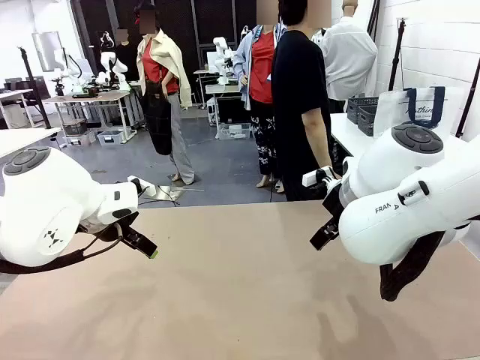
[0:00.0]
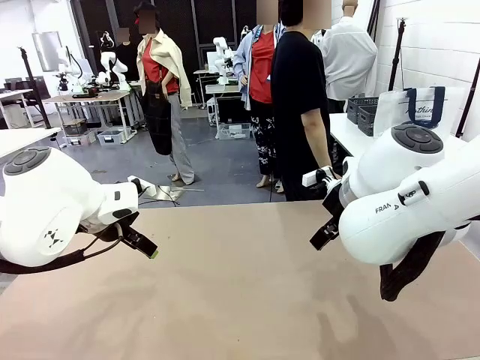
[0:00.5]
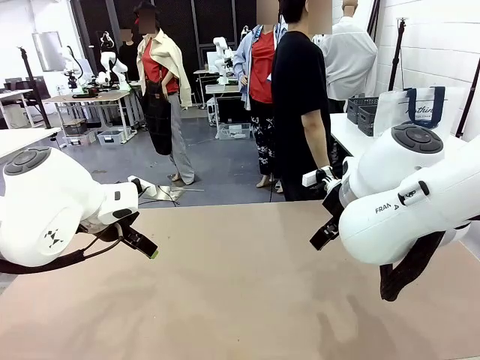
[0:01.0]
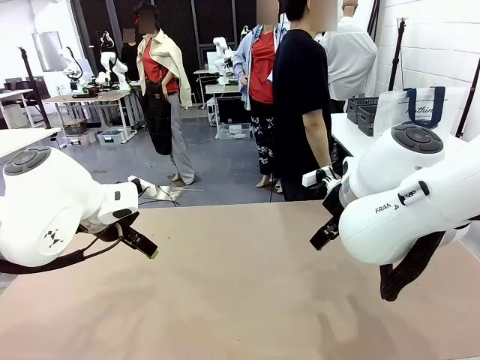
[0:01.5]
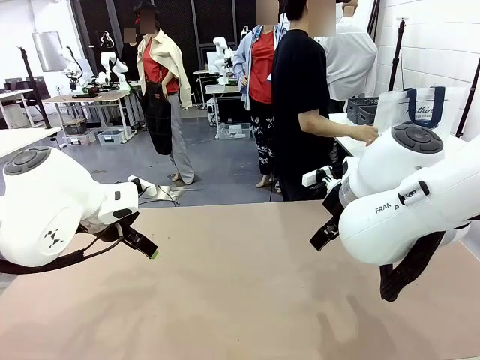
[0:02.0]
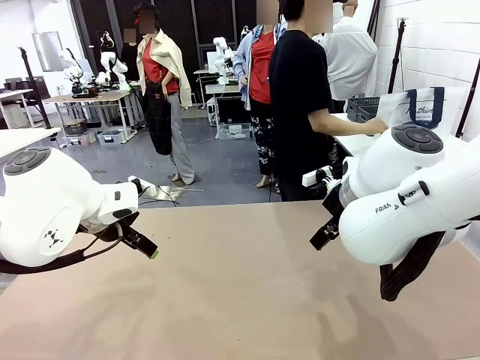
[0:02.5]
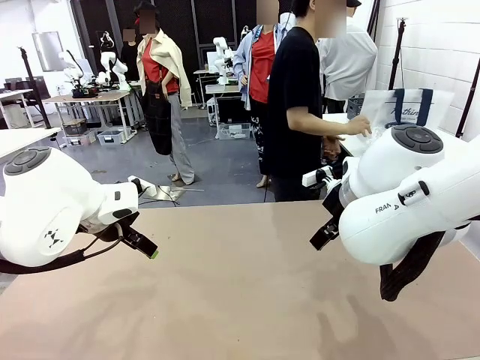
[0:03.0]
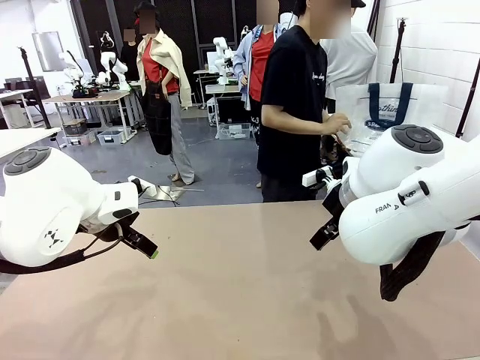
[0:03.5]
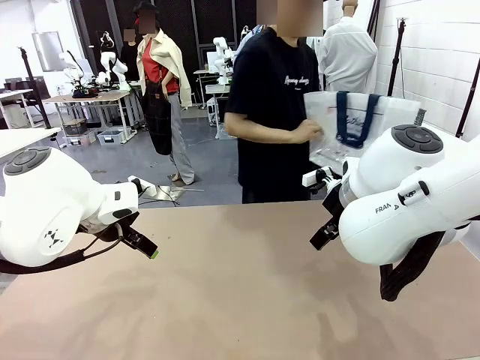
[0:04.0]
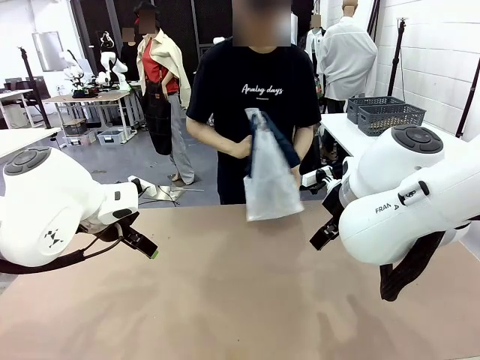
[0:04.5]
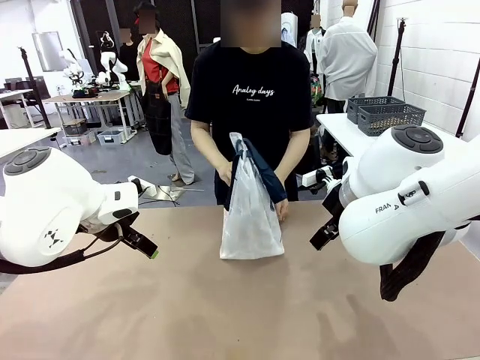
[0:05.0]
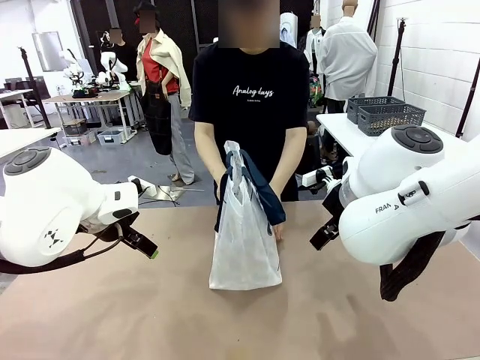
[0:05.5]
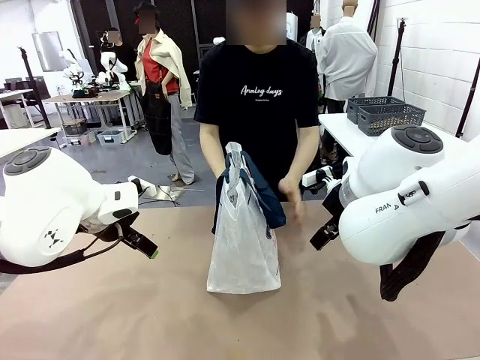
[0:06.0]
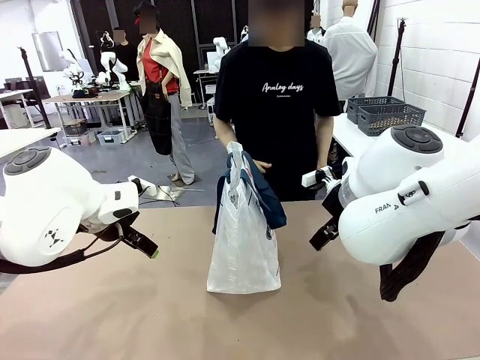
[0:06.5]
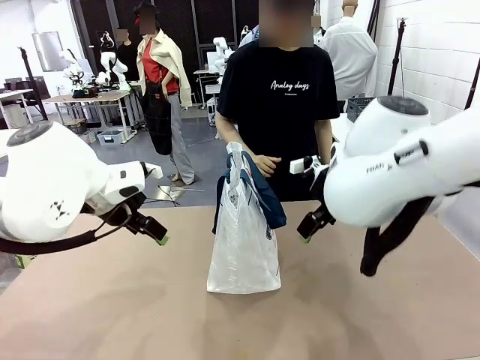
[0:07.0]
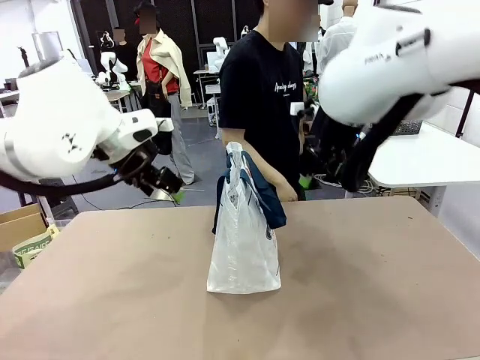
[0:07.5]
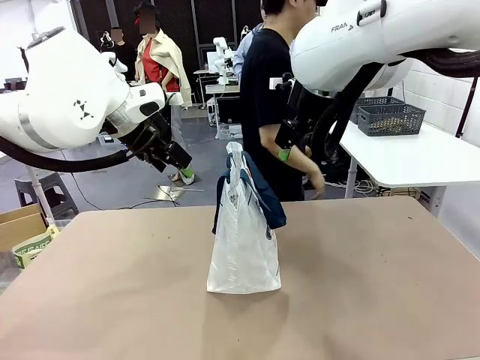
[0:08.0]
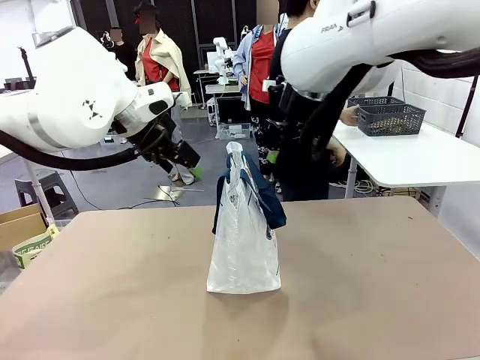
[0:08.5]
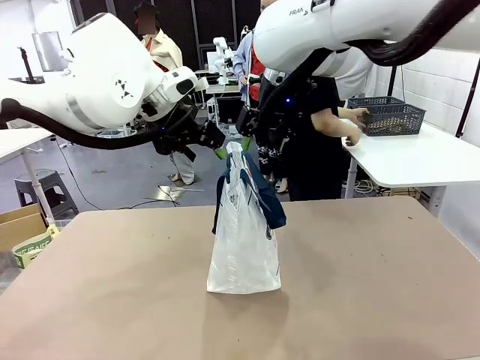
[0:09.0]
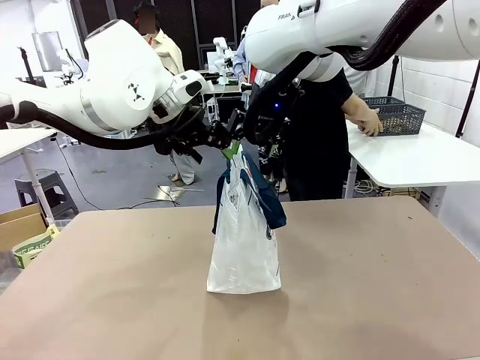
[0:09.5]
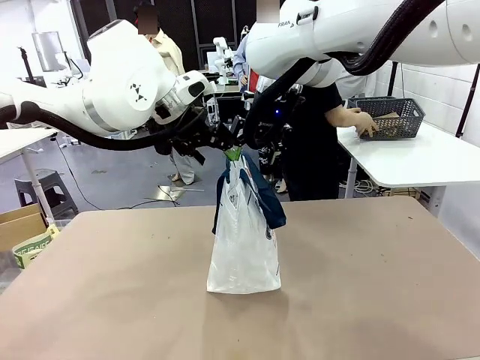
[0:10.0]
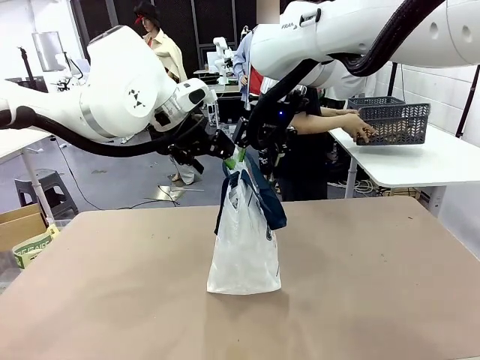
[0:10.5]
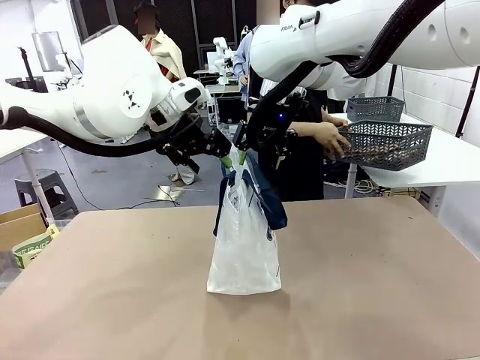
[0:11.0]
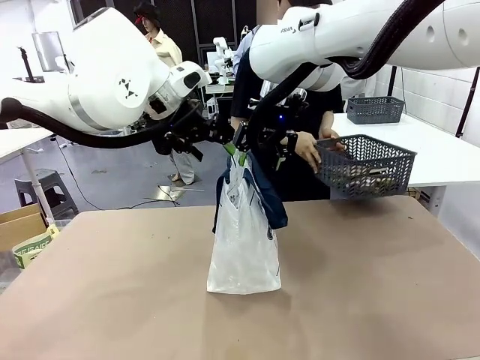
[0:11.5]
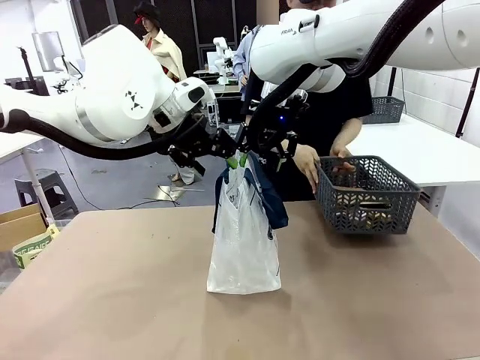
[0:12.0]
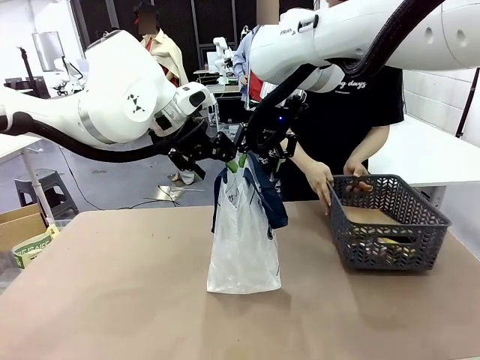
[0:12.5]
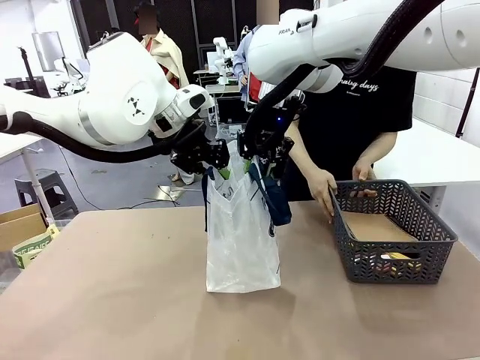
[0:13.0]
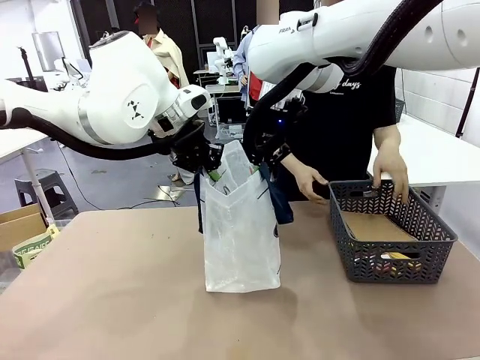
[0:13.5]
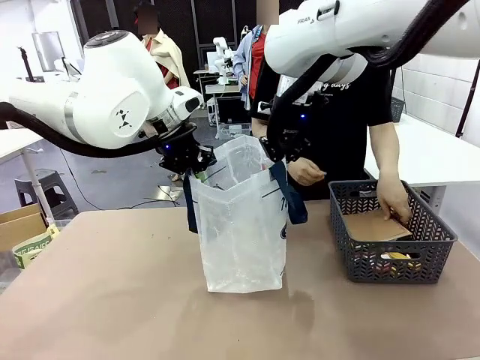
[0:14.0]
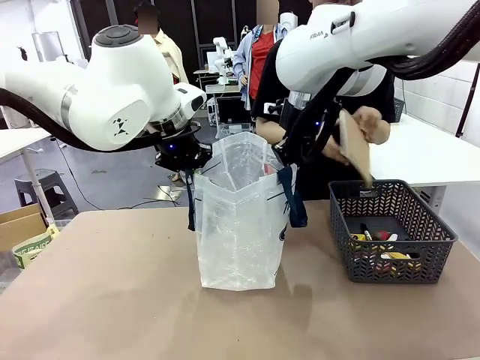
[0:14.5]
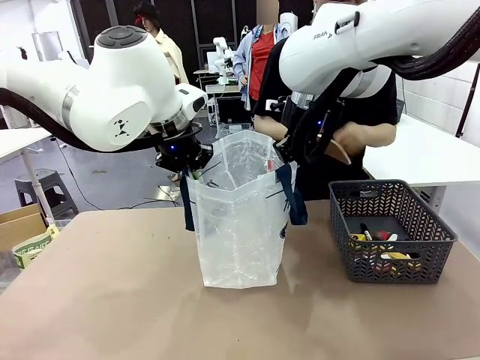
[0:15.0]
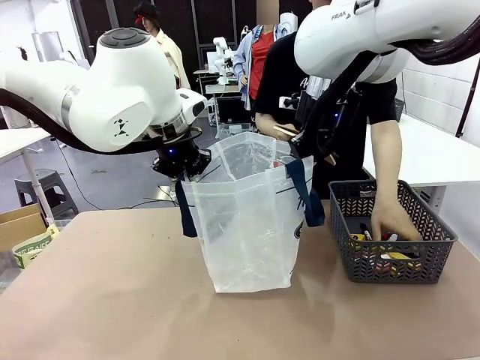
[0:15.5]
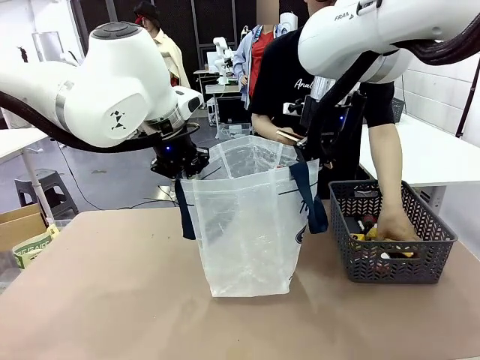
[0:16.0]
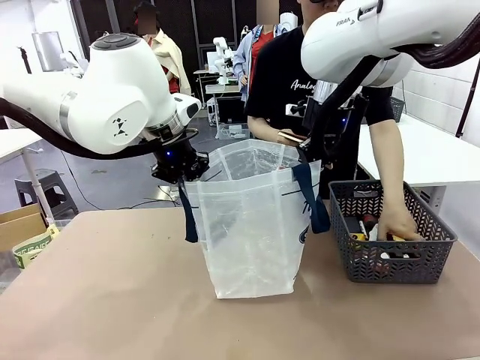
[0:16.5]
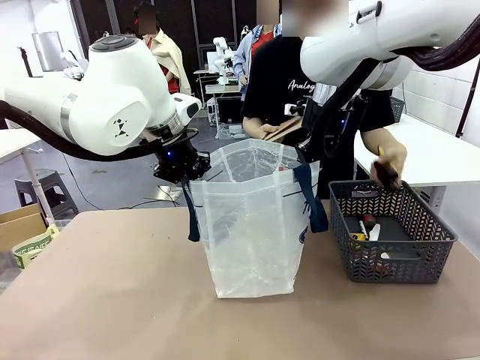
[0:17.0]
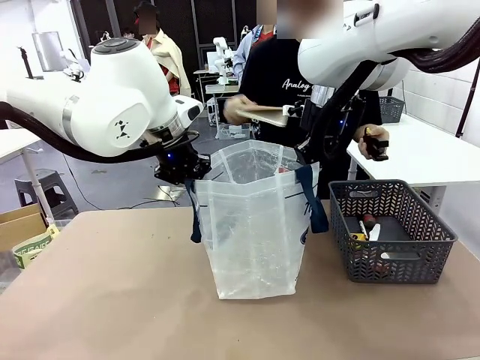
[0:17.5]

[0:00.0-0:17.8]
Task: Transfer purchased items from the store into the shopping bag.
Robot: Open the Reusable shopping bag in the center of the table.
Person: Pick up the shopping bag and place it in the middle of the robot table.
